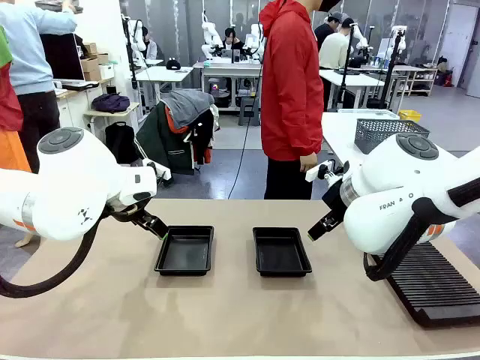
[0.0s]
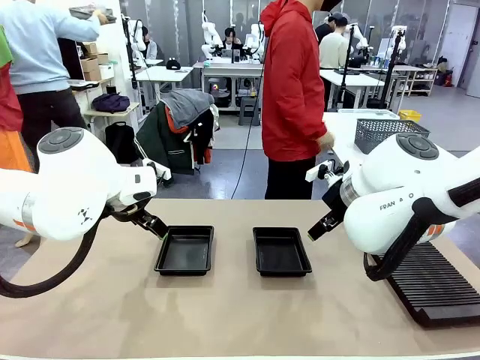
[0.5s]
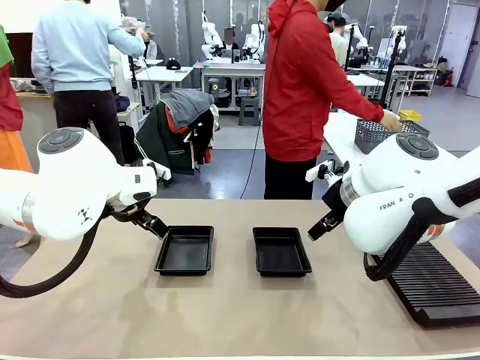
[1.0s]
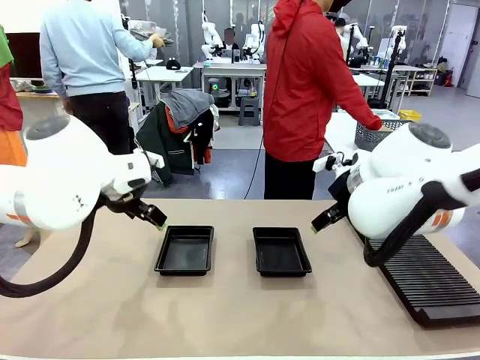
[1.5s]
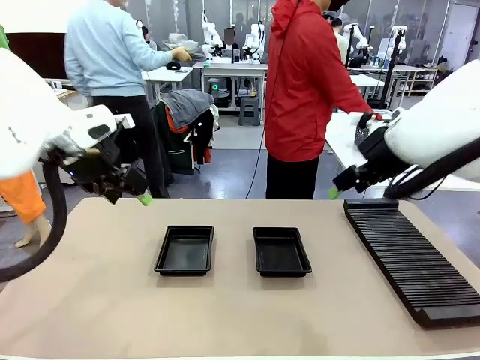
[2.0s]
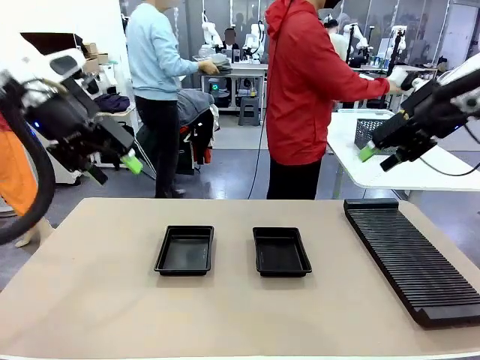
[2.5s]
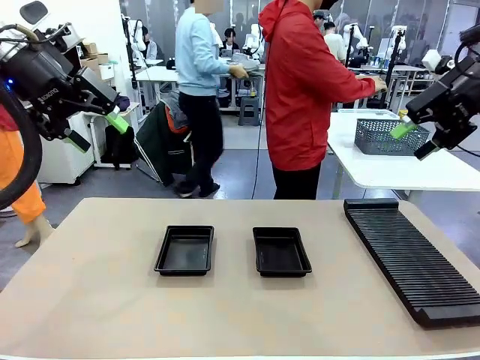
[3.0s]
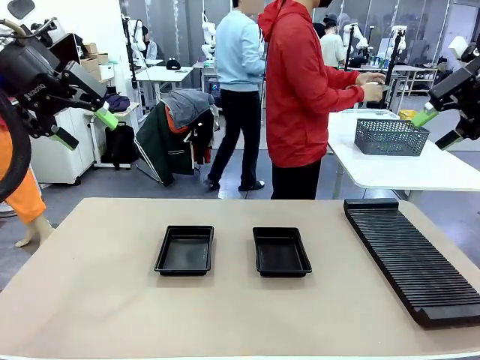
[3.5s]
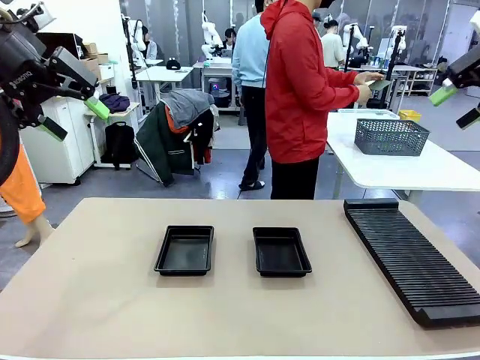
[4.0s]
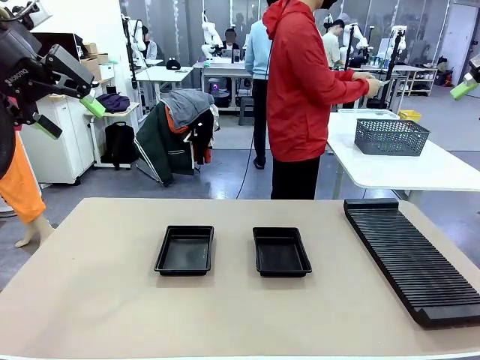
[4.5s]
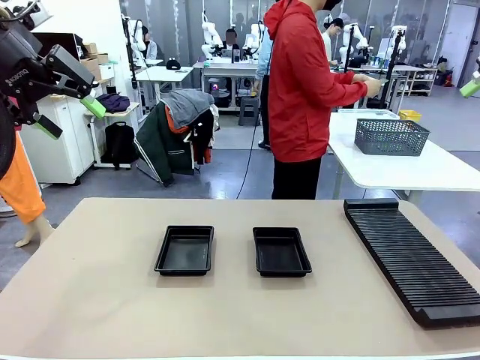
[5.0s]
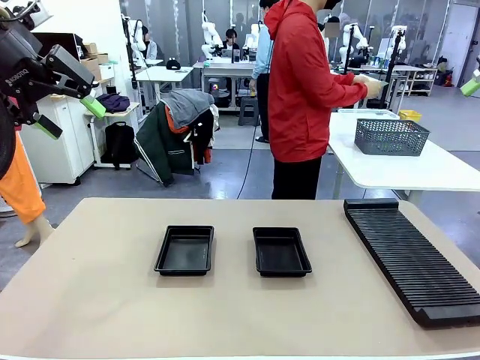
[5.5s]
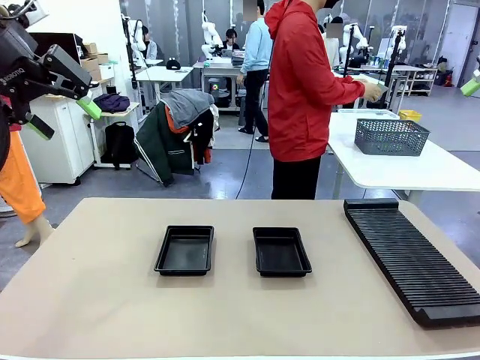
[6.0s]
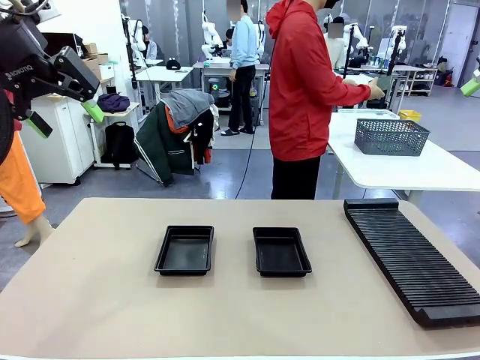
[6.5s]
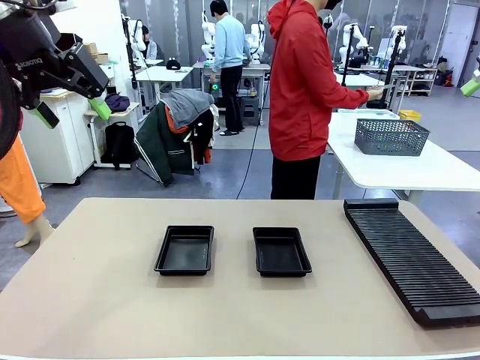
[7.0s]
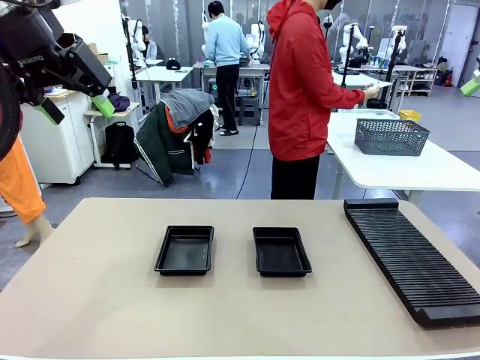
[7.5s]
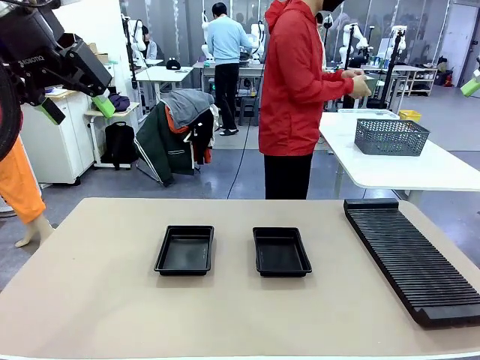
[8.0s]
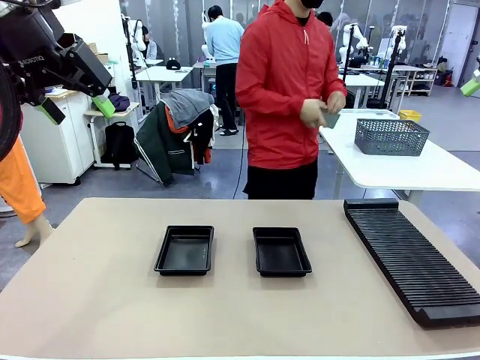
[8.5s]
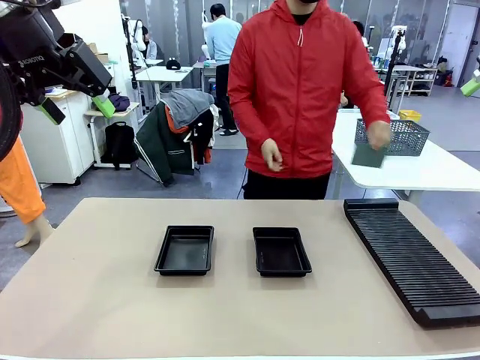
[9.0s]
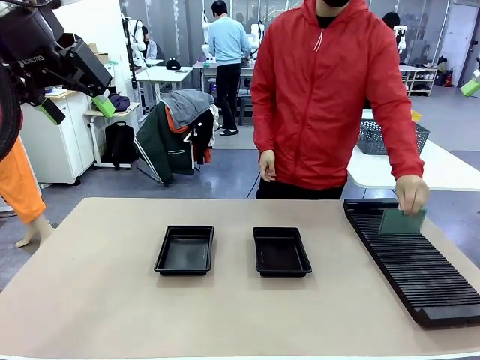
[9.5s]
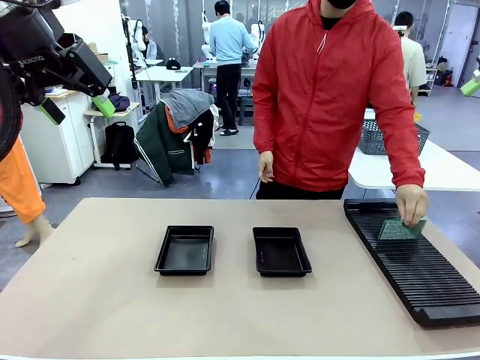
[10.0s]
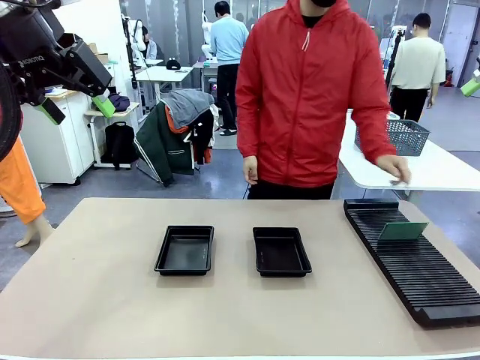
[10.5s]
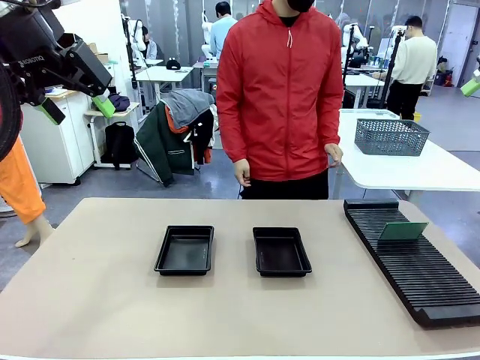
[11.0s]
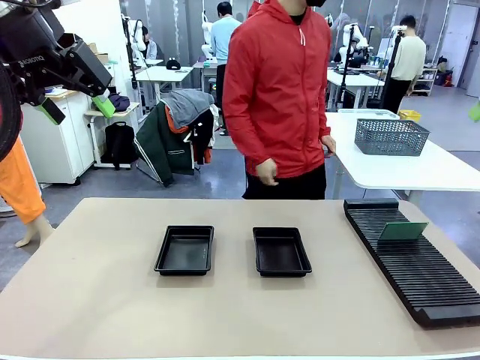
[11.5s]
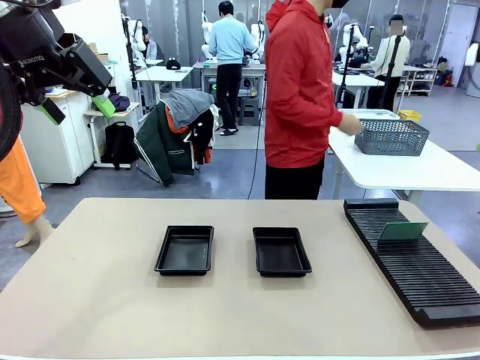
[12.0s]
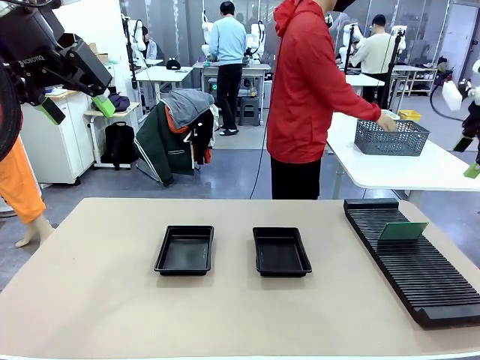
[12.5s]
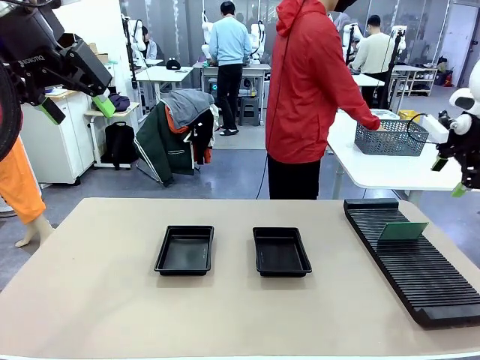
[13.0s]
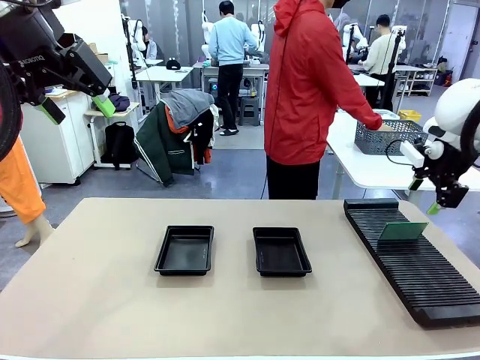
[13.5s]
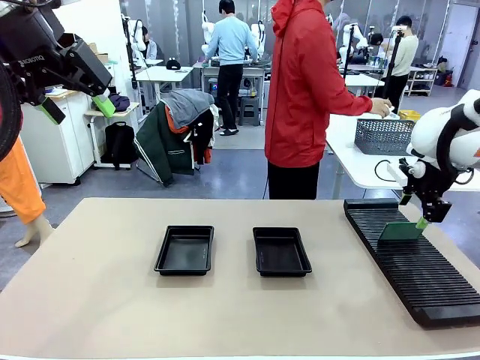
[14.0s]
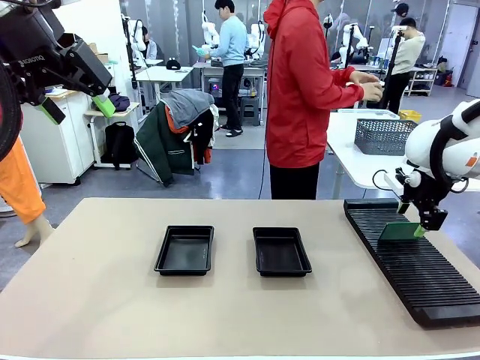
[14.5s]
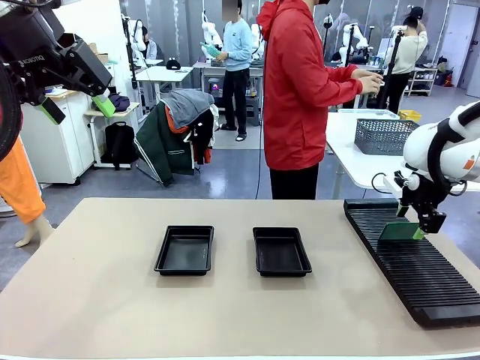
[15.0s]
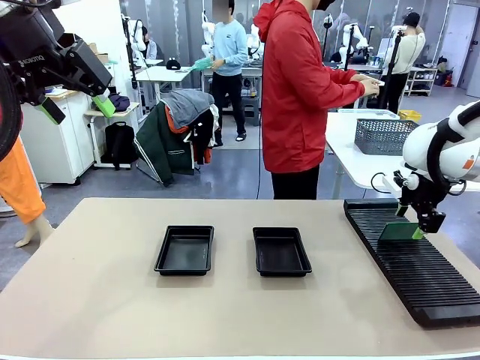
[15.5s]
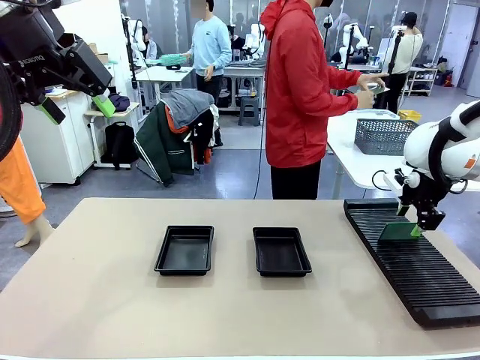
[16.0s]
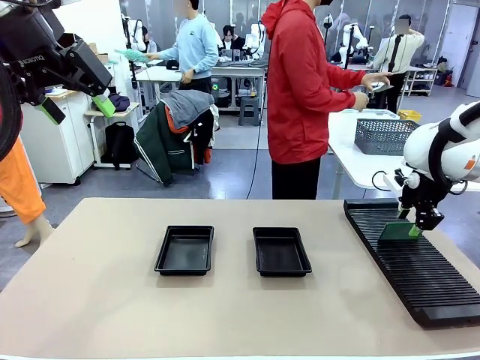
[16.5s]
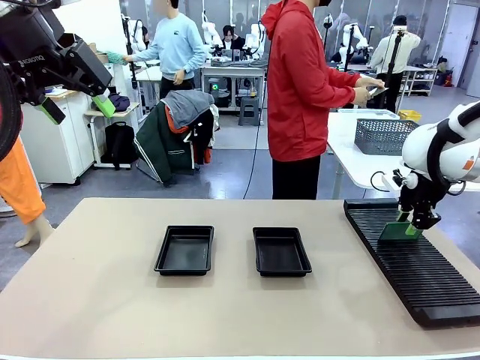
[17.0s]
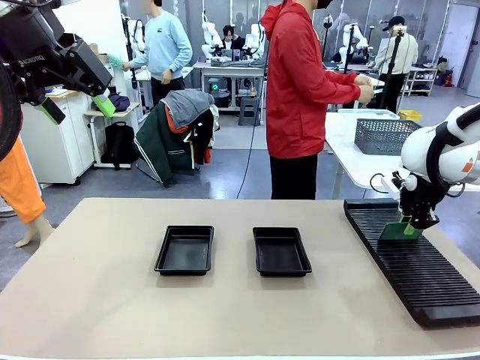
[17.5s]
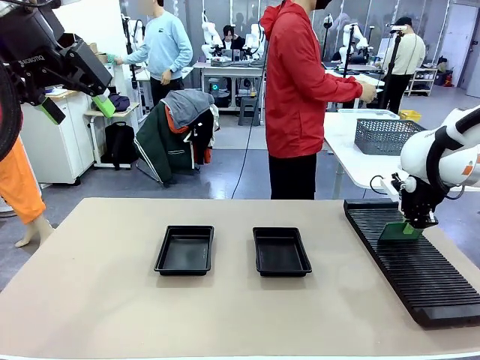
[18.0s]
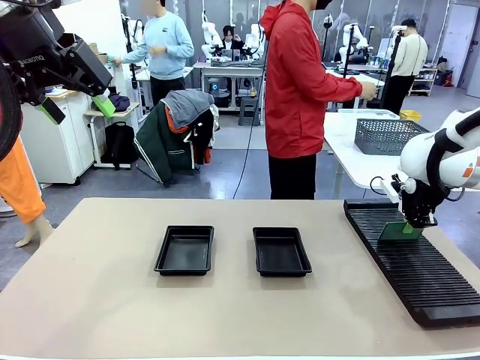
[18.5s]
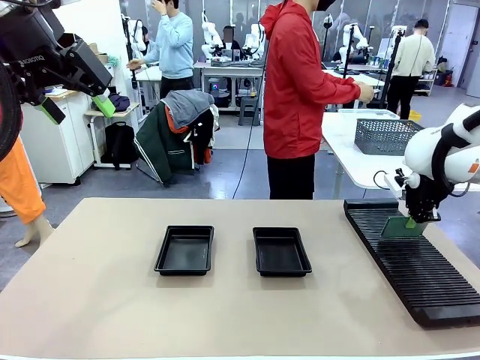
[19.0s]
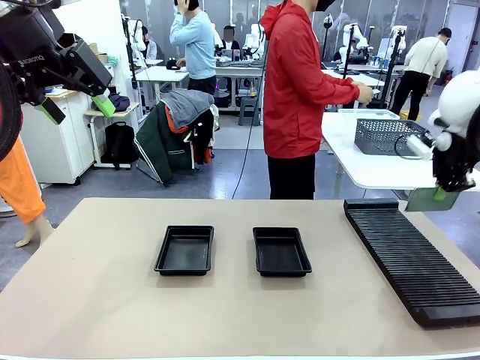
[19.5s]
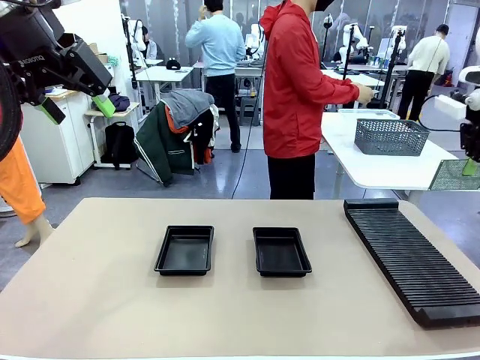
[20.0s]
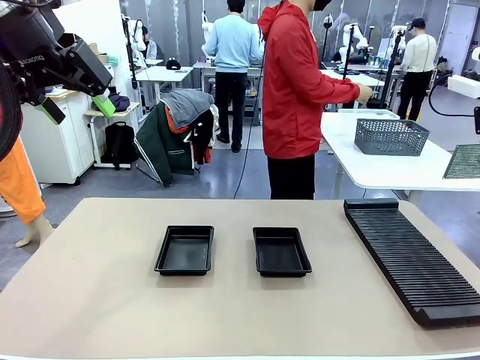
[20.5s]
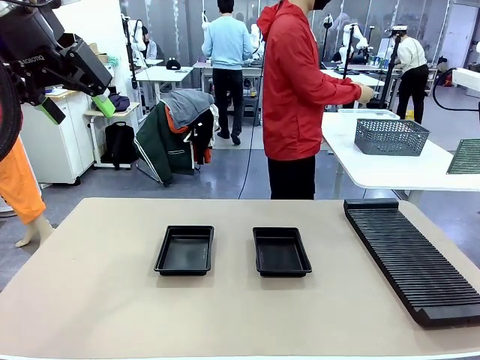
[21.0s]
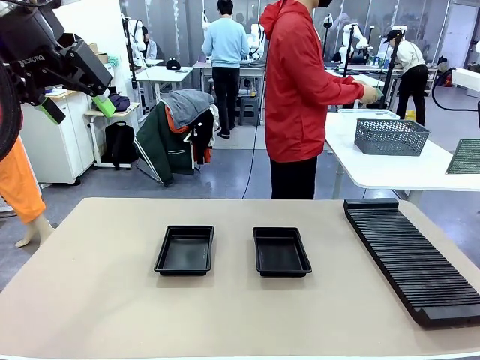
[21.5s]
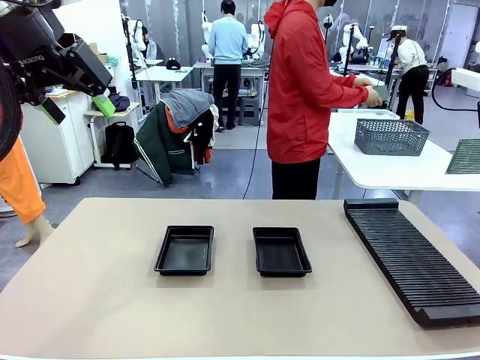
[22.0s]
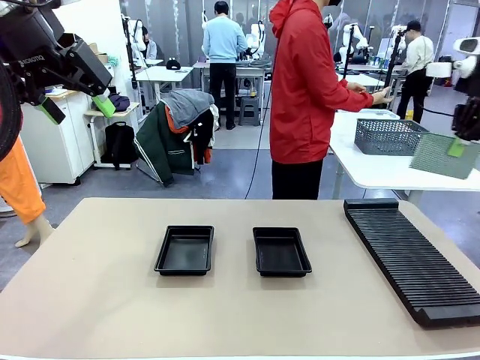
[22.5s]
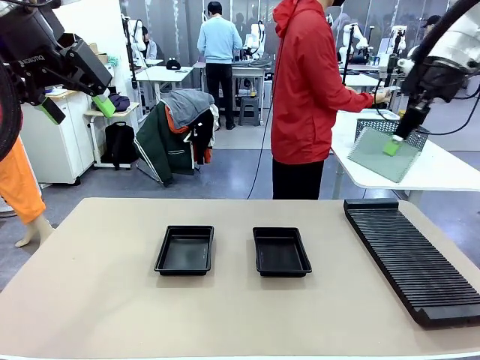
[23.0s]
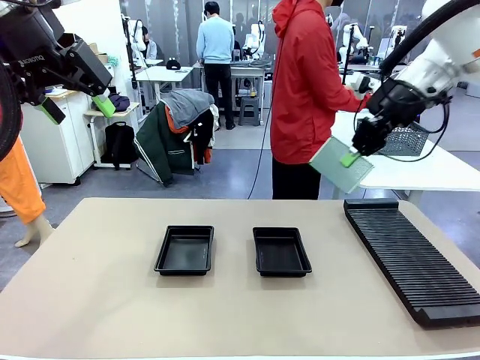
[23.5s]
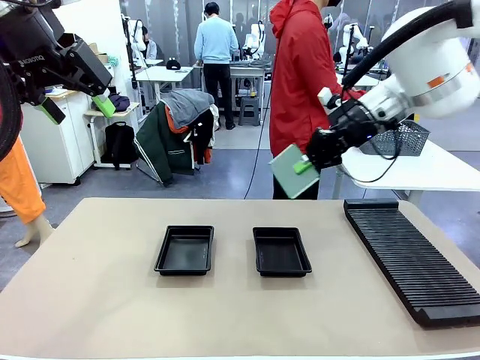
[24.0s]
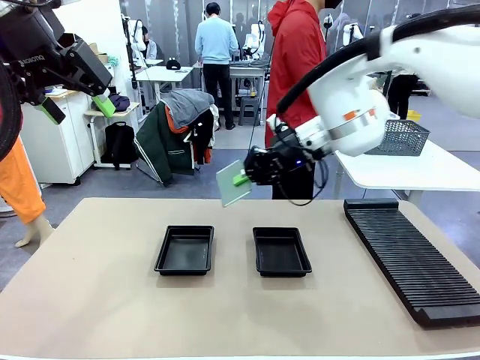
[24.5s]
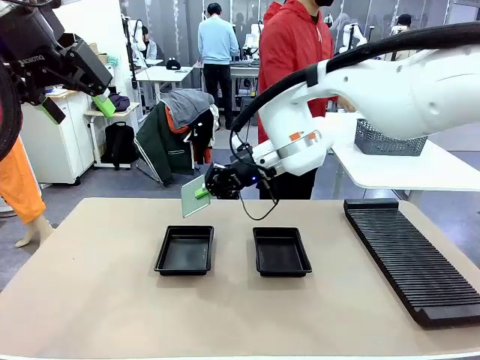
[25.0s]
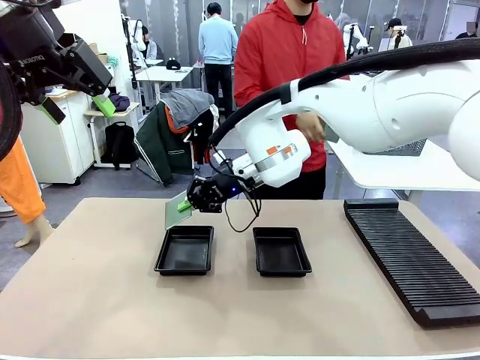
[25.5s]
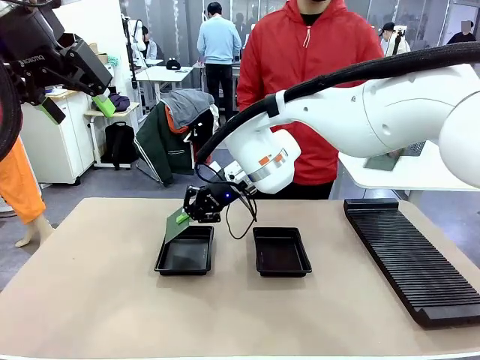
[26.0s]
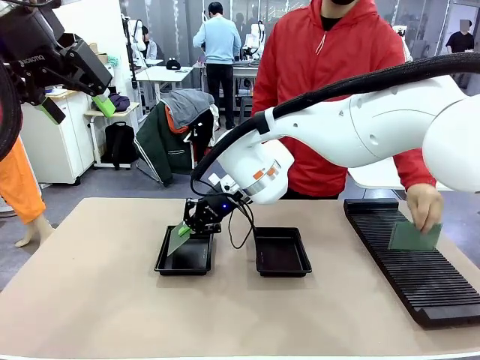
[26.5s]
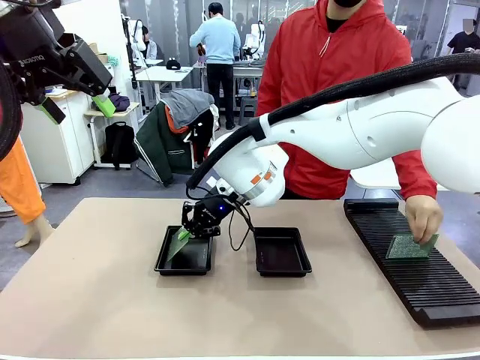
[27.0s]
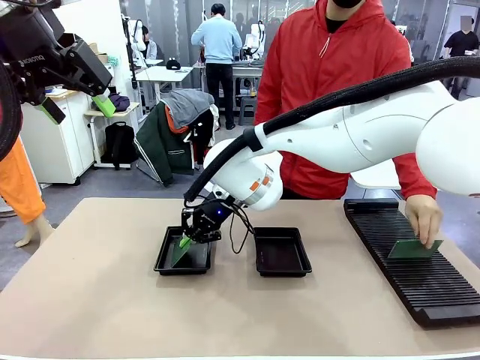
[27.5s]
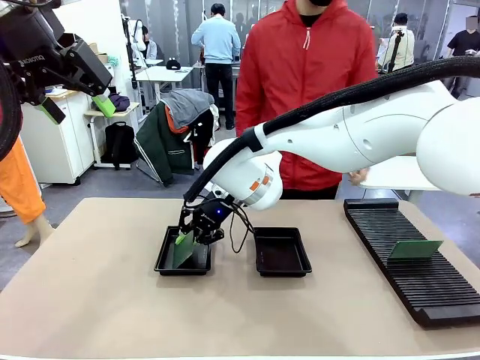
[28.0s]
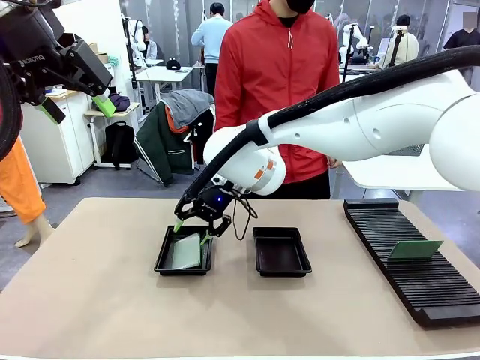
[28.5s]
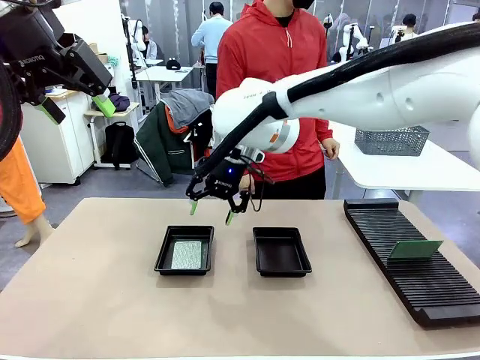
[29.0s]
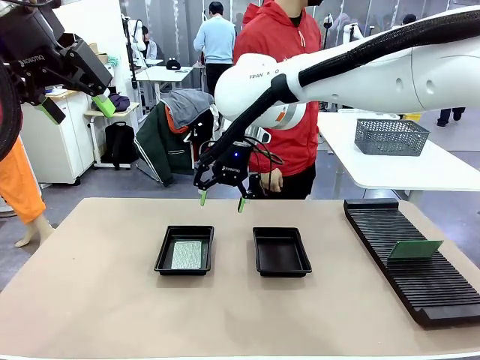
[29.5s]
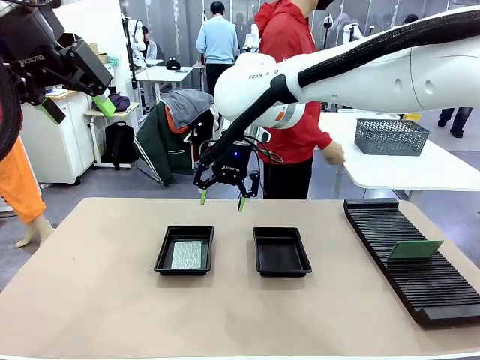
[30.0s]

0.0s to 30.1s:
Task: Inspect and transfer BCBs to ESD trays.
Robot: Pick up the Blank PCB from the PCB Rack and place it in the left ESD tray.
